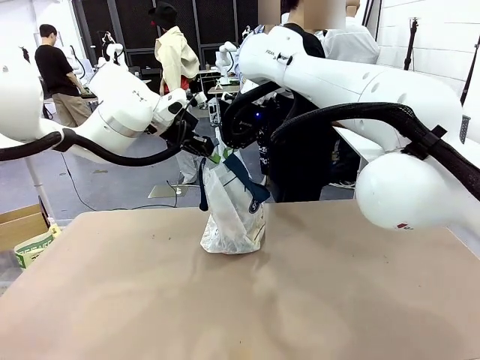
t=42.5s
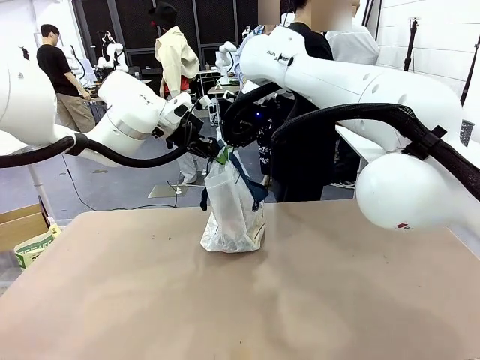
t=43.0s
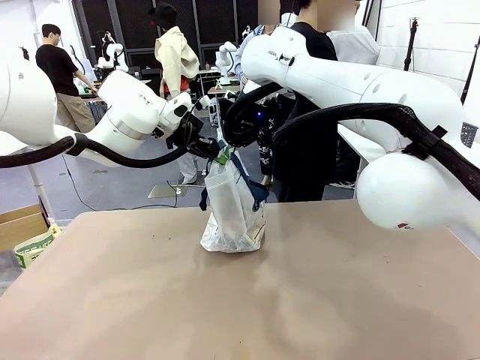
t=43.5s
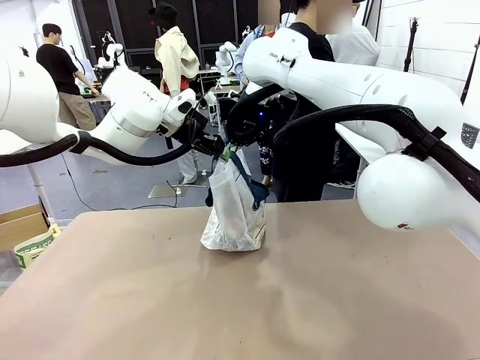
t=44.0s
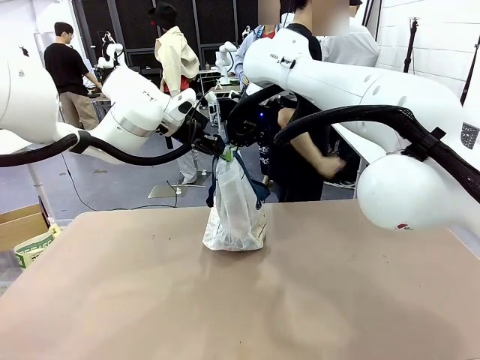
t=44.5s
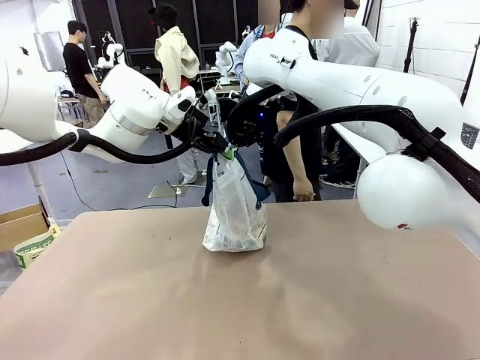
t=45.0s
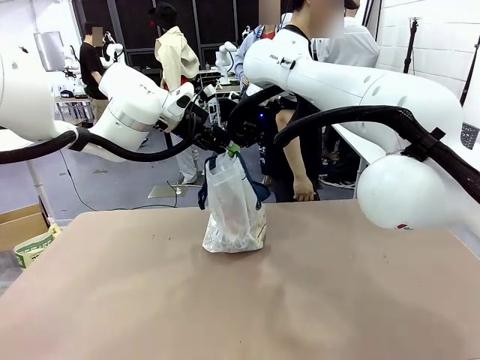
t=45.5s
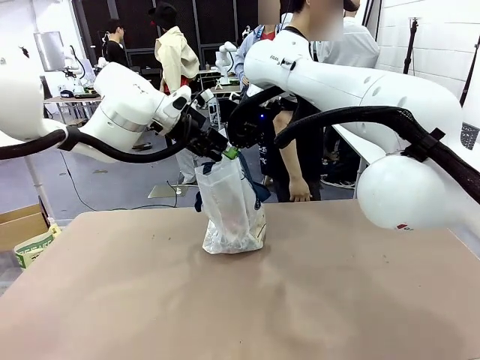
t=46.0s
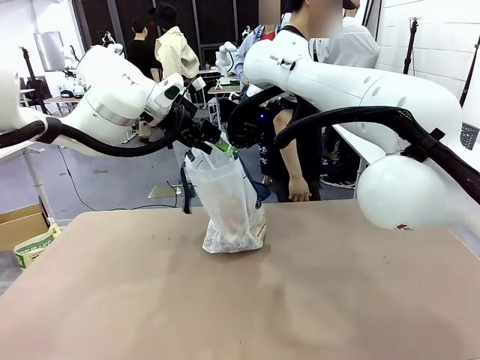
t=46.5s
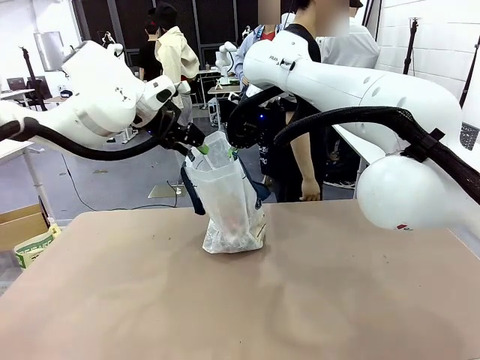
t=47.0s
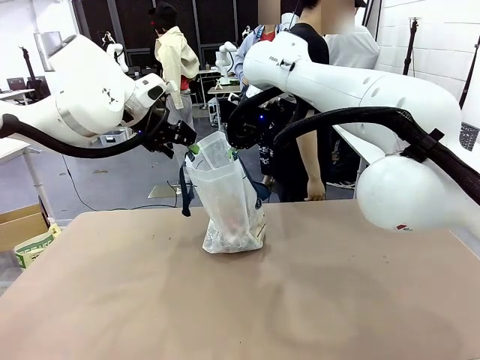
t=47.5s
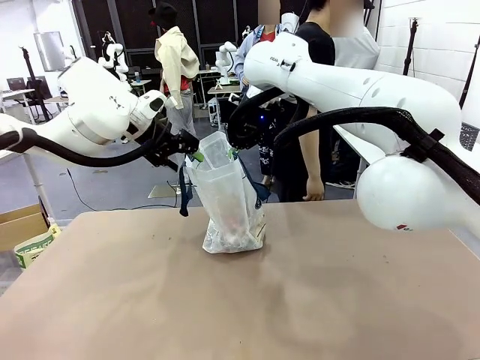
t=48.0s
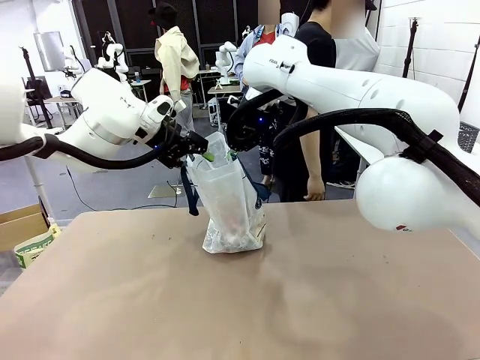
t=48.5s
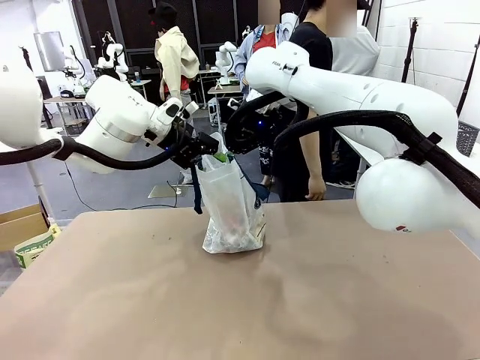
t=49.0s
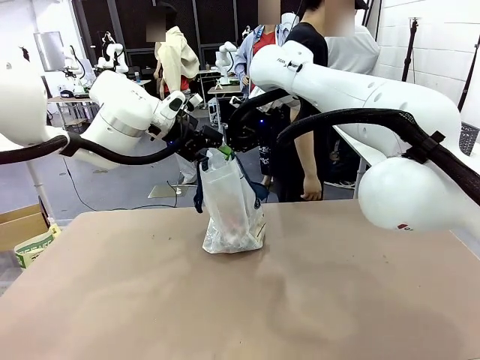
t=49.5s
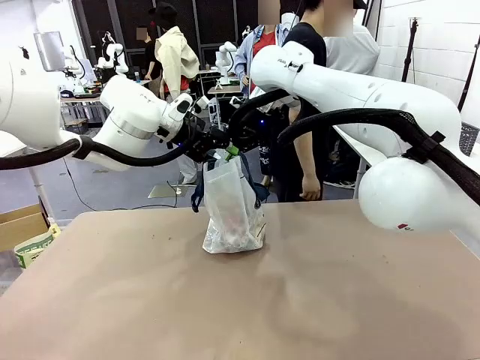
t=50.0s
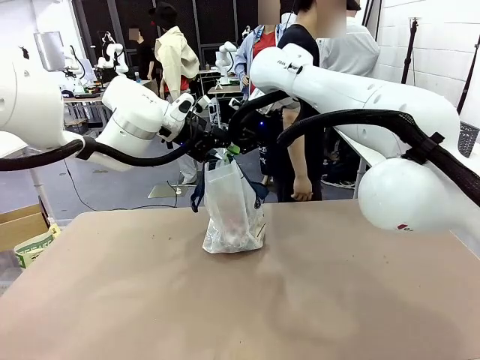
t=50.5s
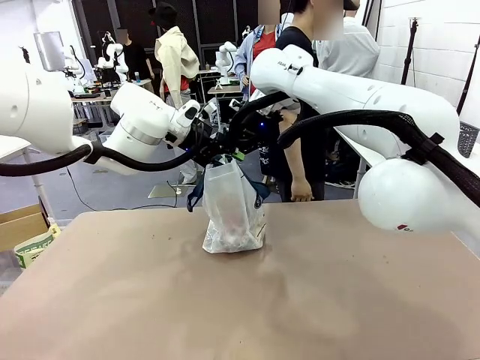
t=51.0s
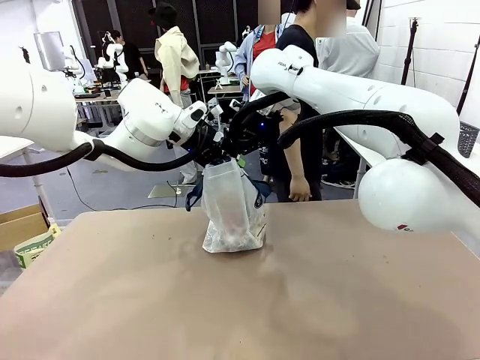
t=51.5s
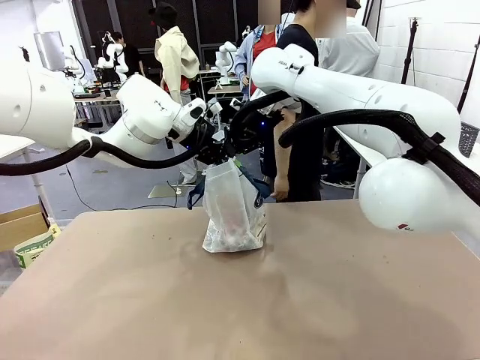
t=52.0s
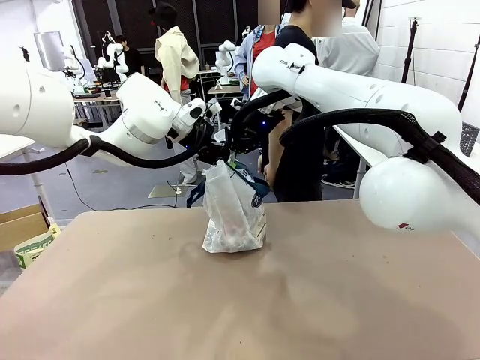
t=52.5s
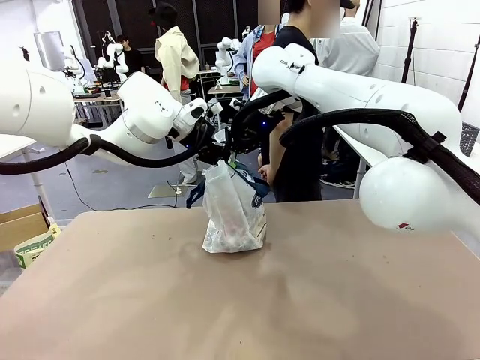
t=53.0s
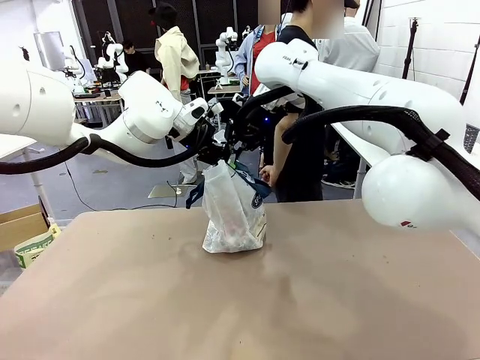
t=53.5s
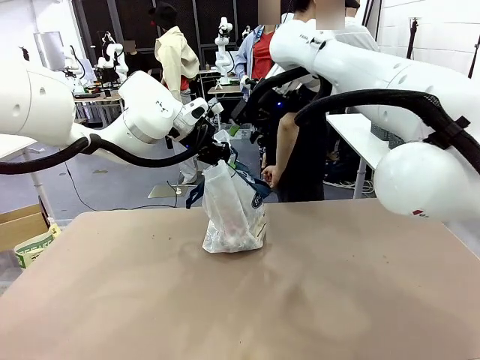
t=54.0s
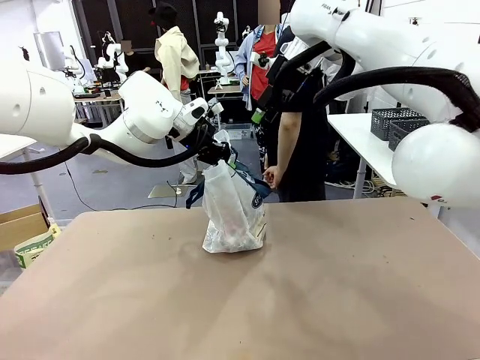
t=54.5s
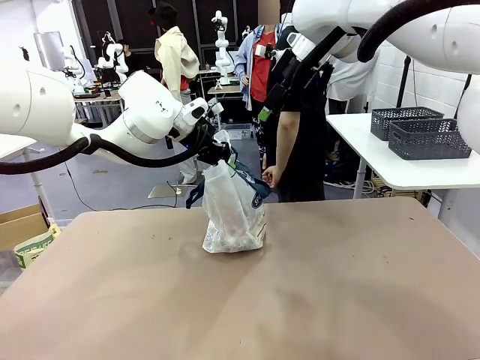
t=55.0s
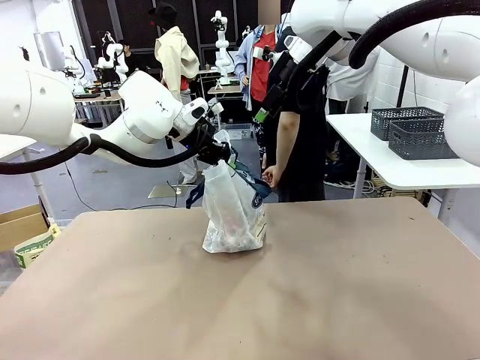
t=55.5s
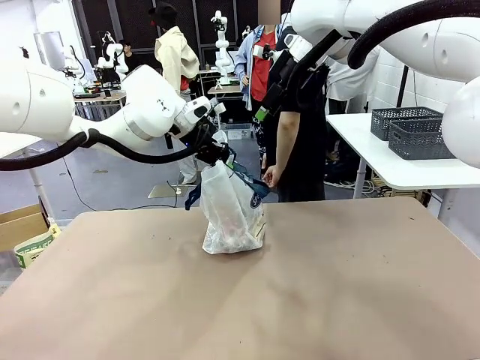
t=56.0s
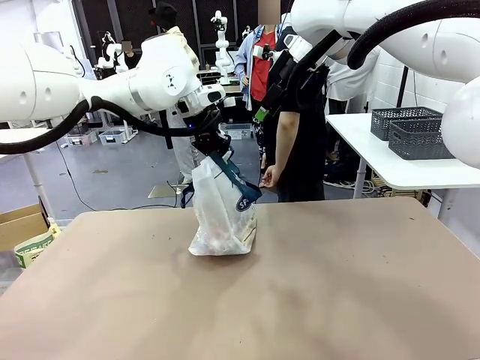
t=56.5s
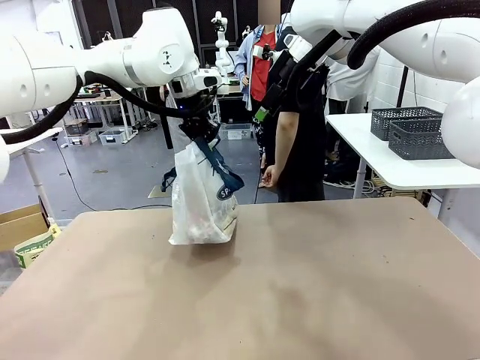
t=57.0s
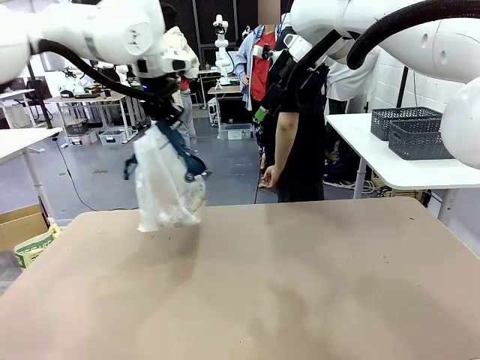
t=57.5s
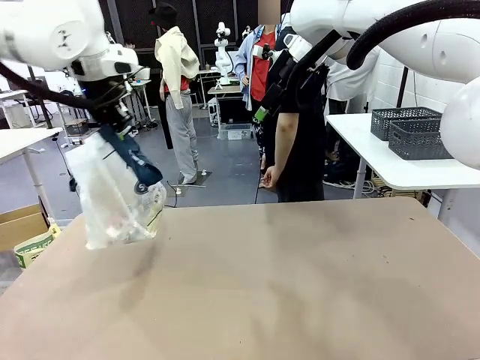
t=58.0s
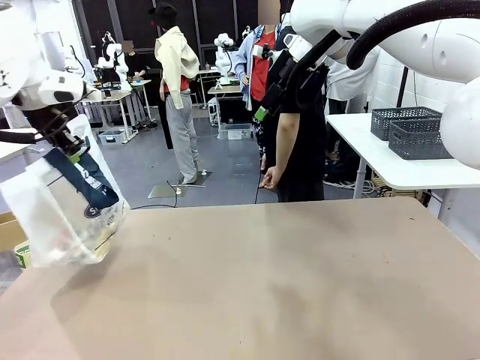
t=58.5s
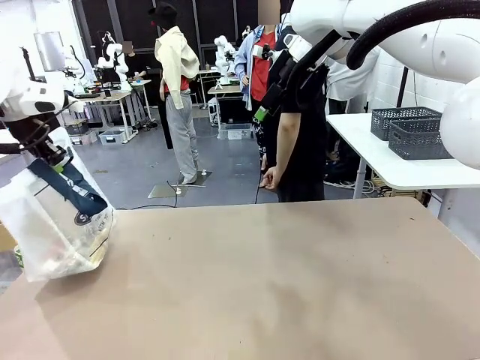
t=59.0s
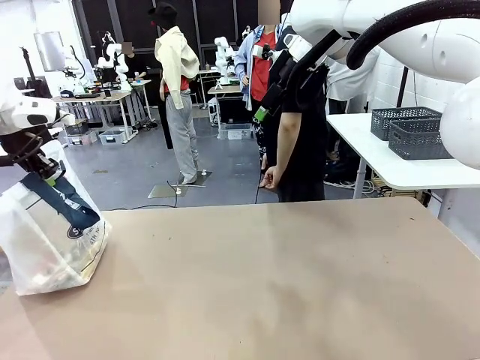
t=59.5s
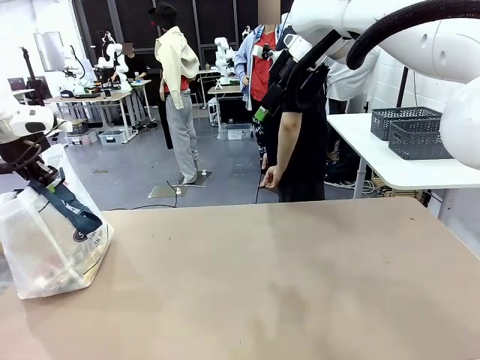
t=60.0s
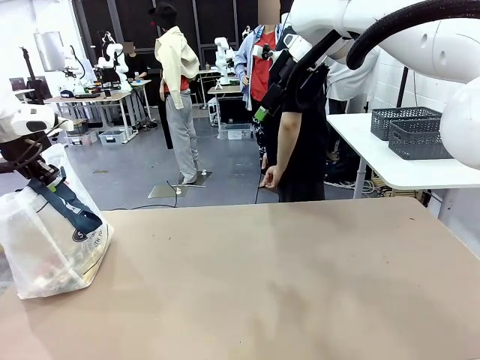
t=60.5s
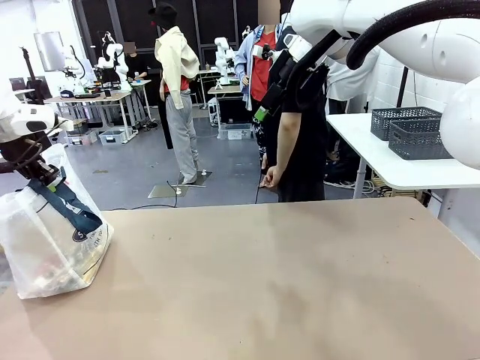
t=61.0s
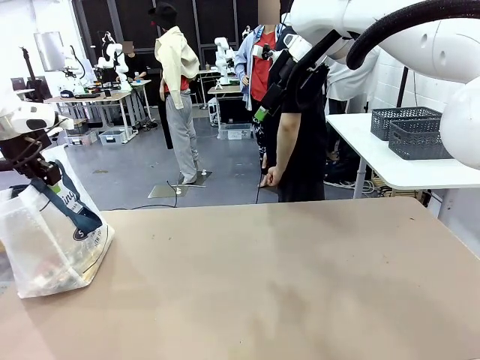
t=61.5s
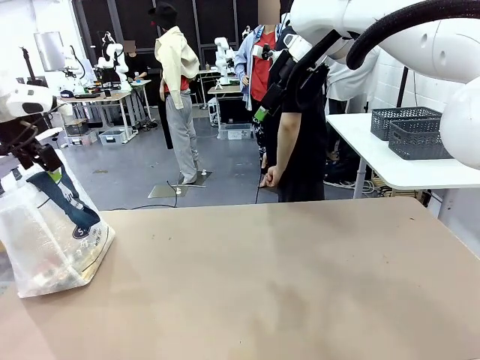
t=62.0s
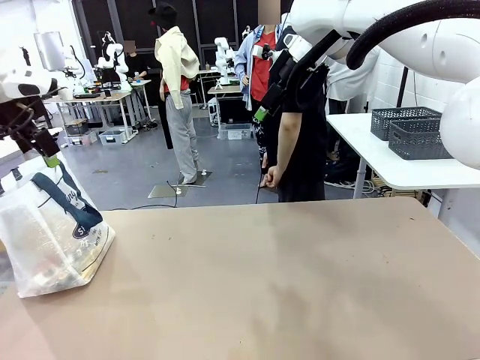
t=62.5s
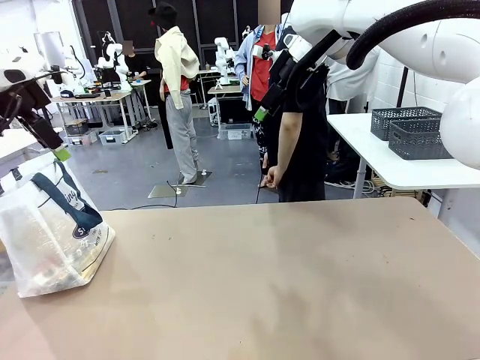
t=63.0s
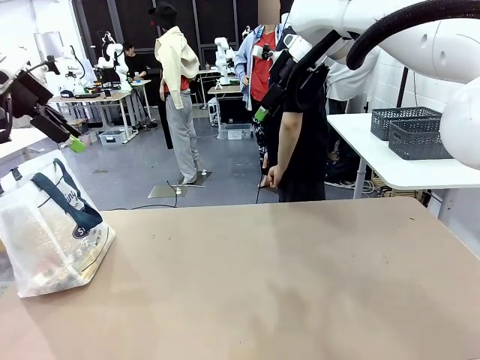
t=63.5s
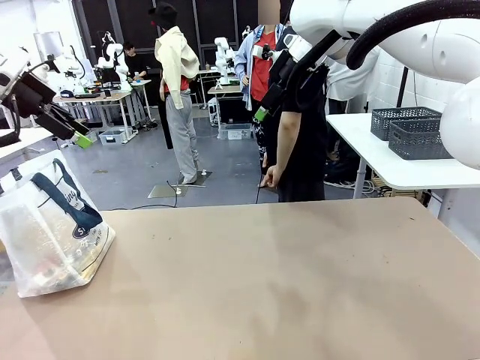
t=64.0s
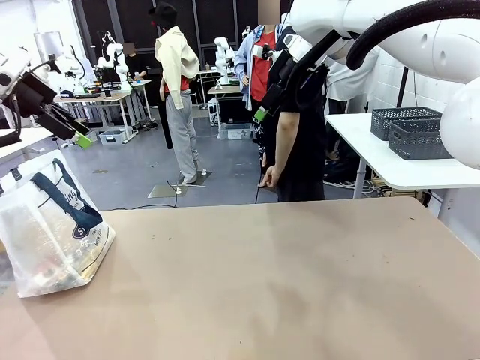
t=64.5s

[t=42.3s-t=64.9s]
Task: Transfer purchased items from the store into the shopping bag.
Robot: Move the Reusable shopping bag to the right side of the table.
Person: Move the basket on the left to the middle of the person's table.
